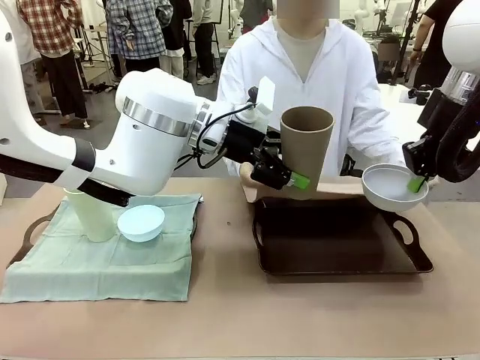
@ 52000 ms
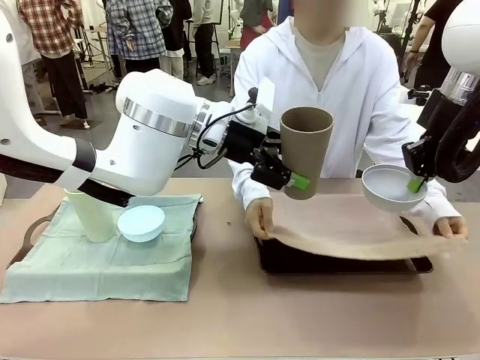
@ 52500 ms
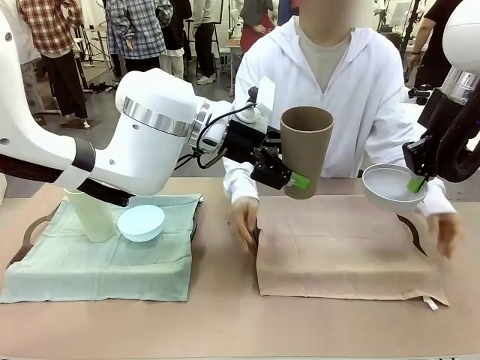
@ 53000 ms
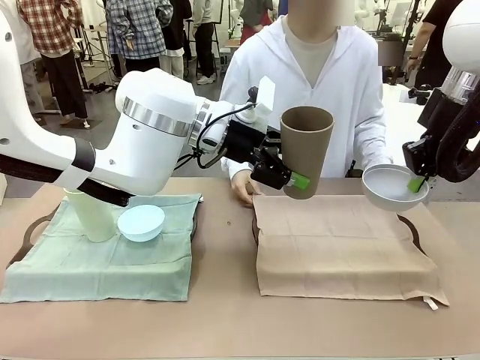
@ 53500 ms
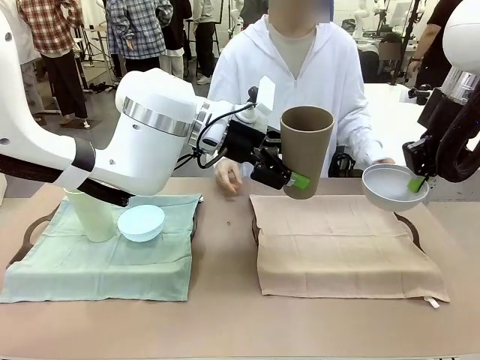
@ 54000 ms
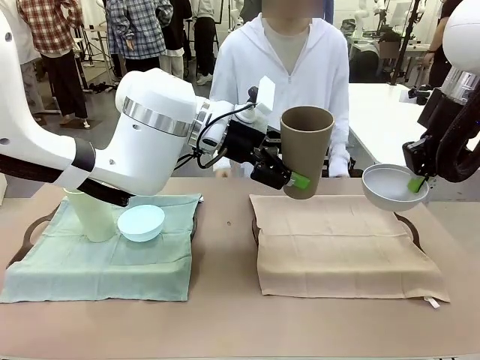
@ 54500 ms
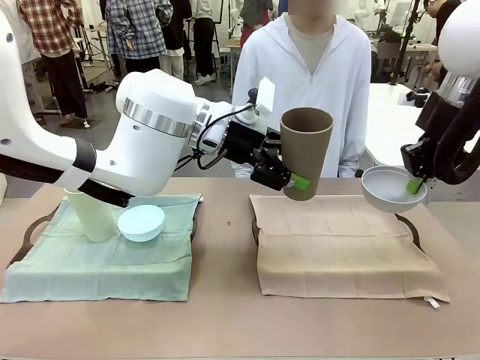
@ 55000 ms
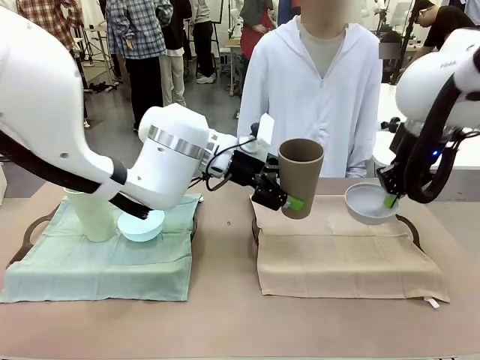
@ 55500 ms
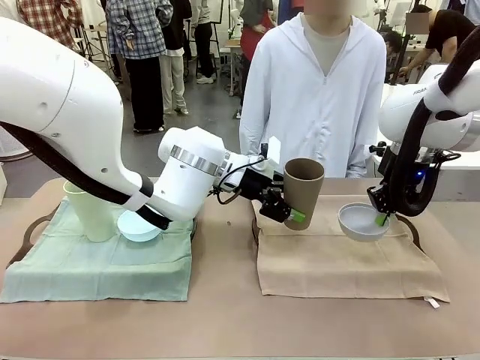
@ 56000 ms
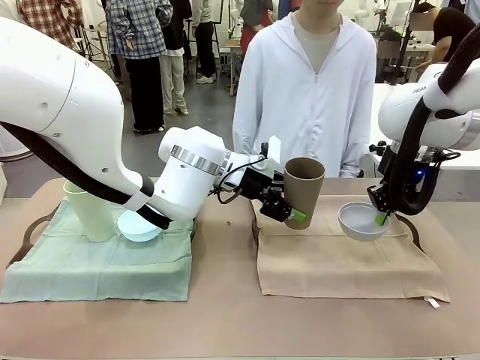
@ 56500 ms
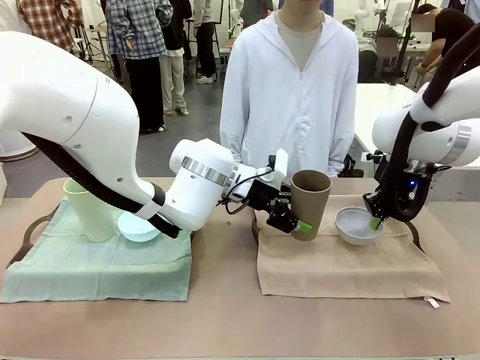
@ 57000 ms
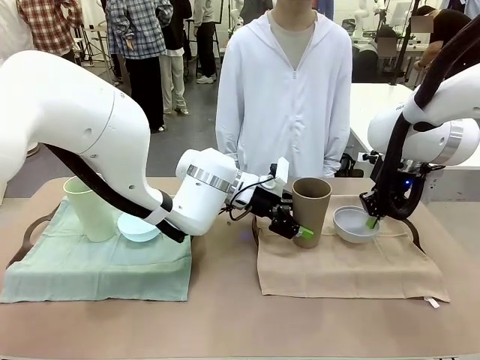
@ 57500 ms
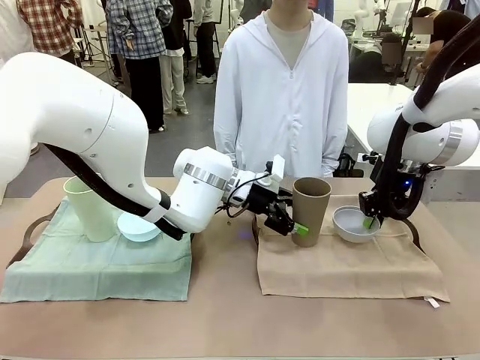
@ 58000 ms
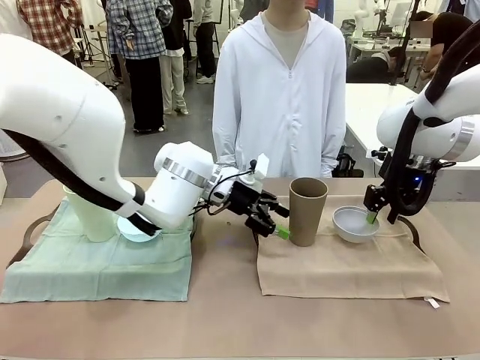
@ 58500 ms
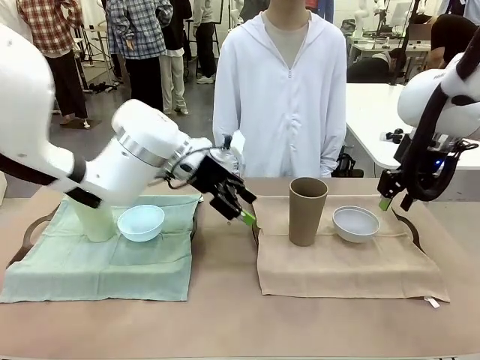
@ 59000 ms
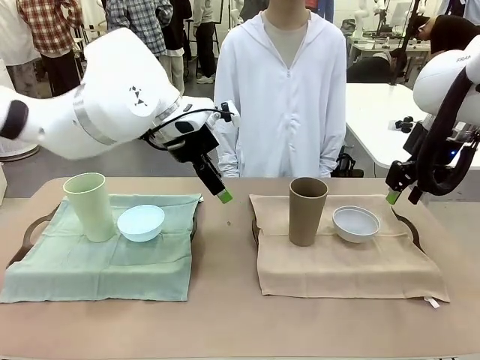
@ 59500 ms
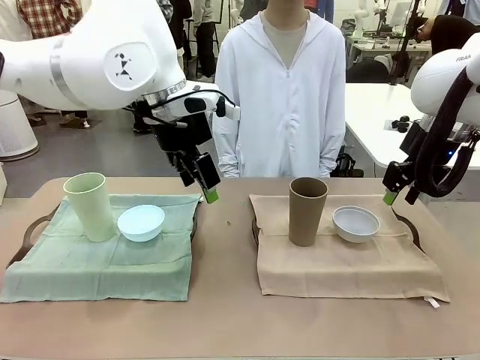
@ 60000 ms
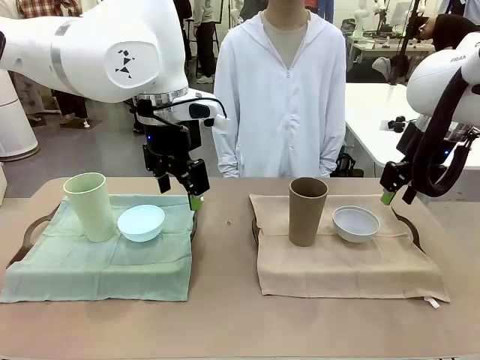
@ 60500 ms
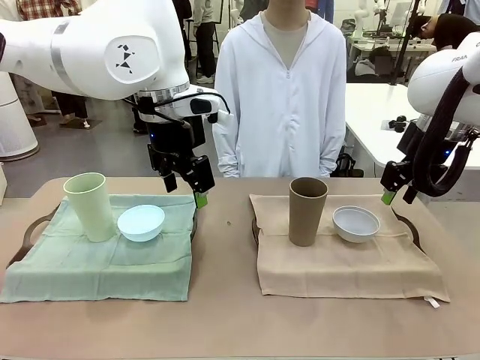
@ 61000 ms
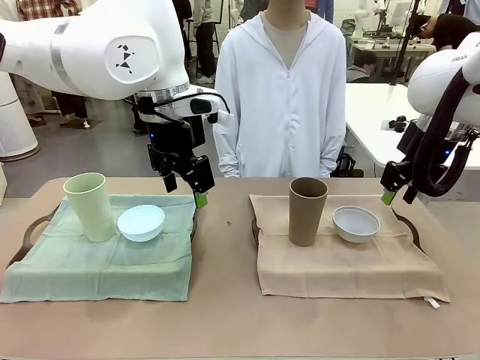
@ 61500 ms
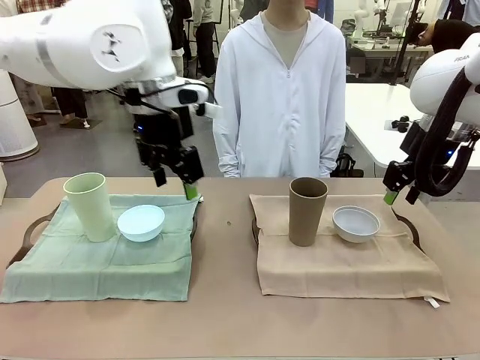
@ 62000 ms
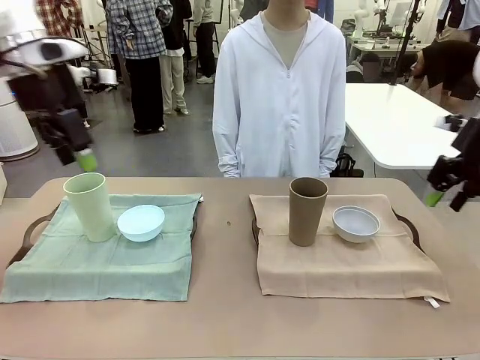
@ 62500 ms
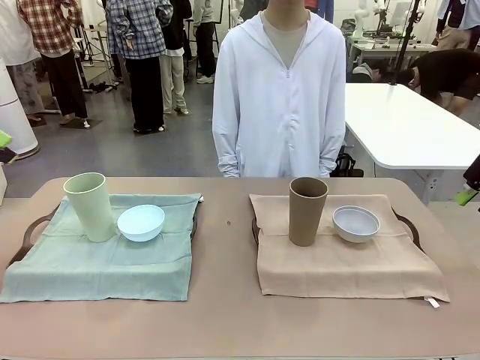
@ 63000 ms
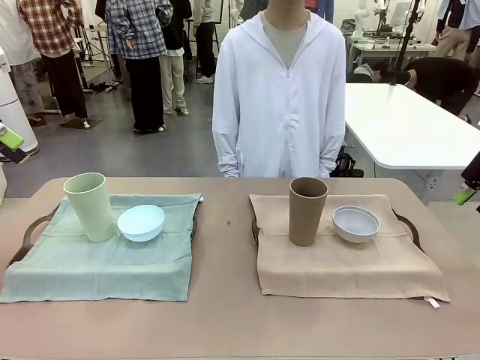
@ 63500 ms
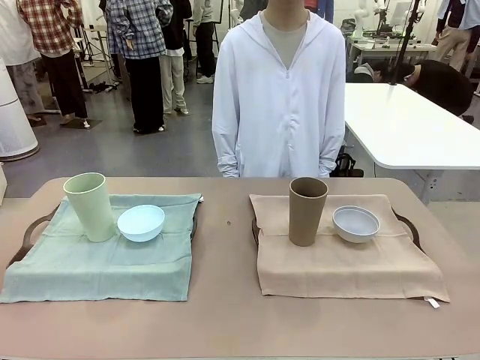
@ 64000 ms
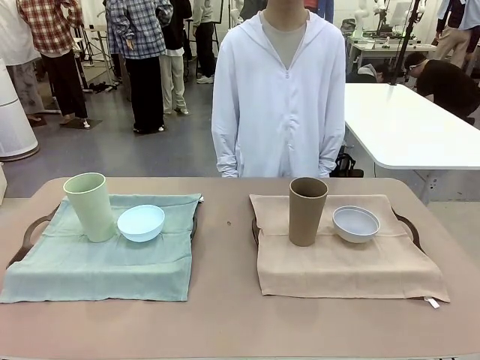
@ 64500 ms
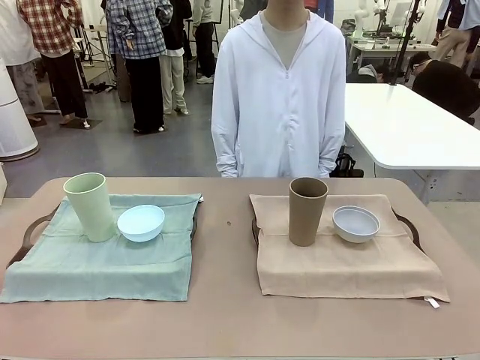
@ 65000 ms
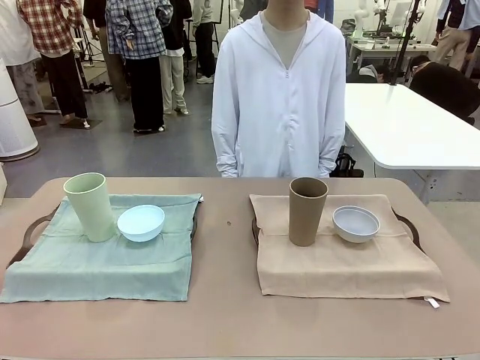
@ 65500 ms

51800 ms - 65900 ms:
Robot: Place the Picnic Bowl and Reusable plastic cup back onto the Handle tray in front of the human's position.
Person: When the robot lifts the bowl and the cup, the human unfolds the napkin and lays the napkin flat on the tray.

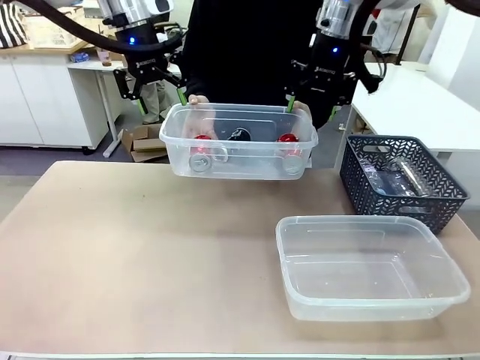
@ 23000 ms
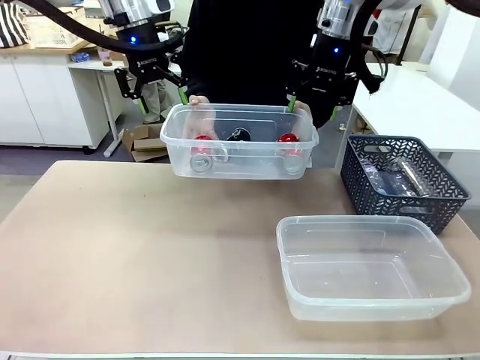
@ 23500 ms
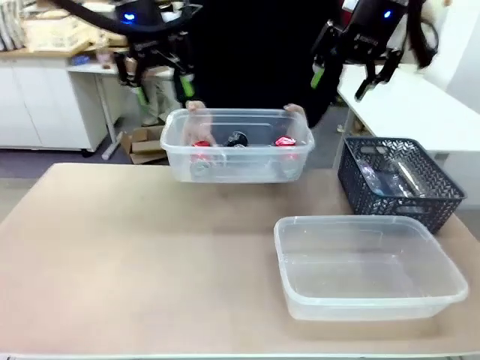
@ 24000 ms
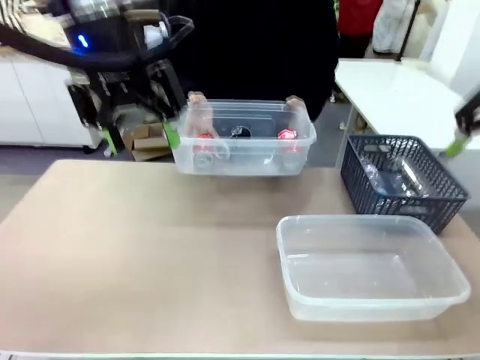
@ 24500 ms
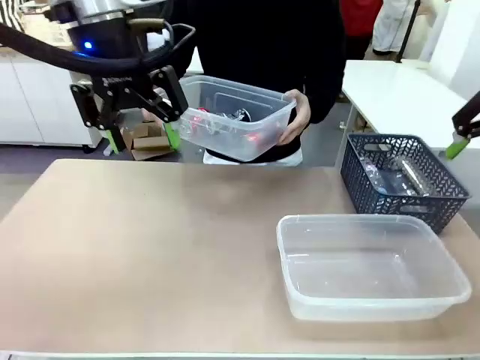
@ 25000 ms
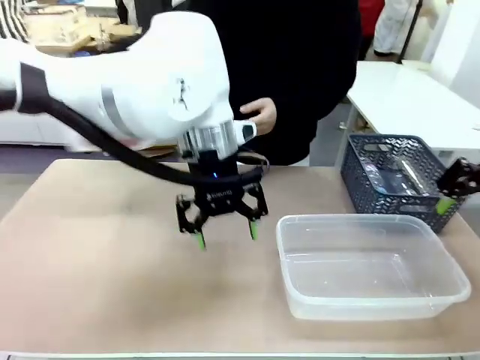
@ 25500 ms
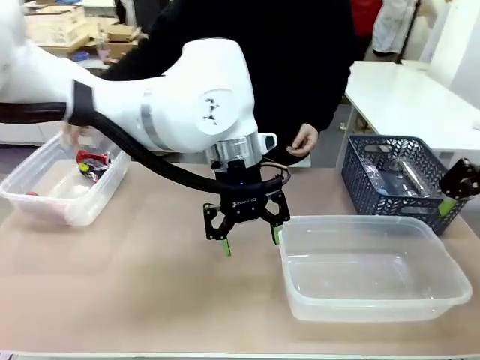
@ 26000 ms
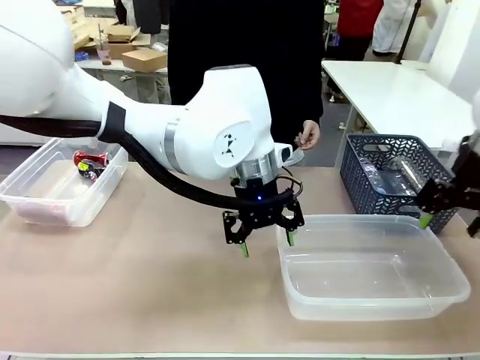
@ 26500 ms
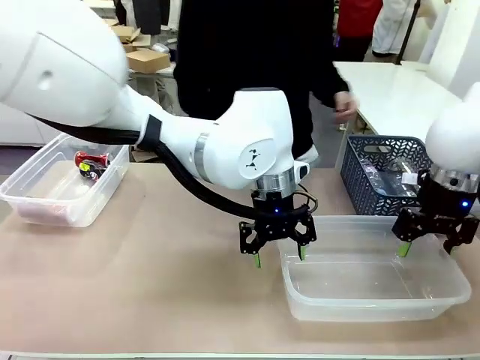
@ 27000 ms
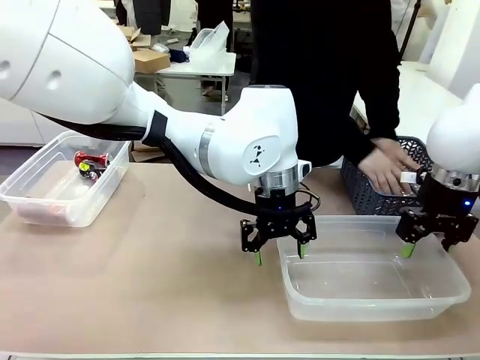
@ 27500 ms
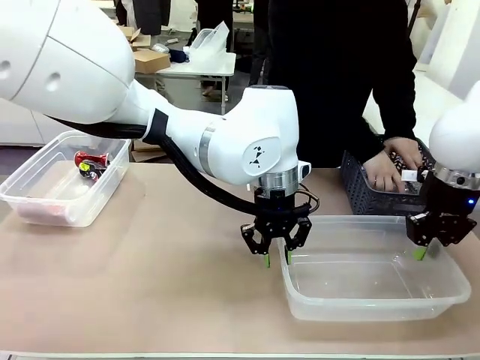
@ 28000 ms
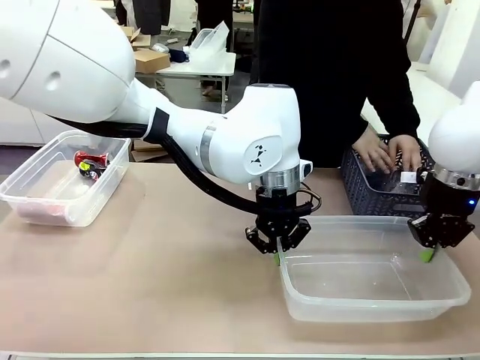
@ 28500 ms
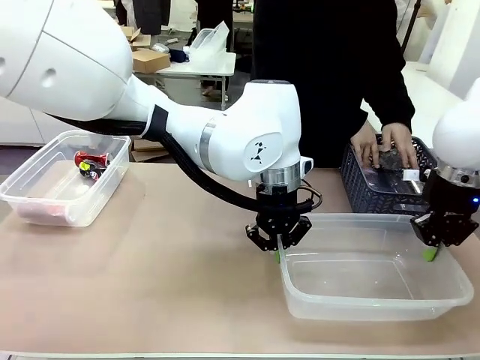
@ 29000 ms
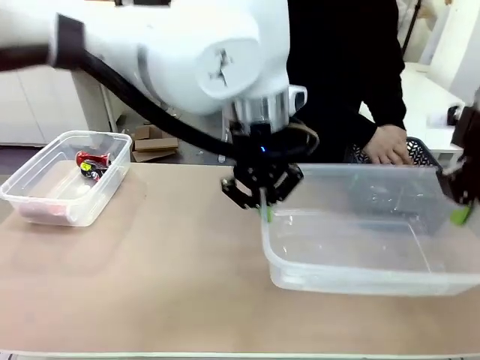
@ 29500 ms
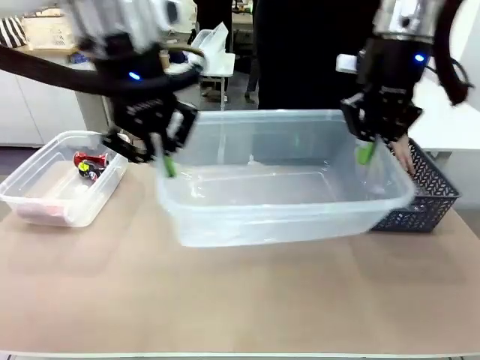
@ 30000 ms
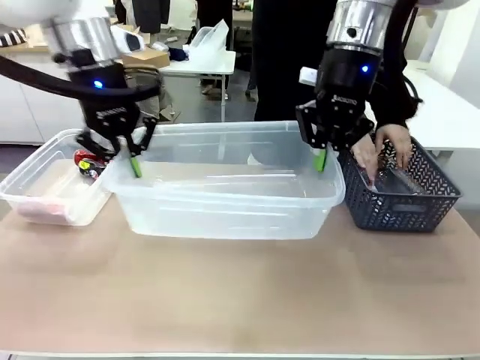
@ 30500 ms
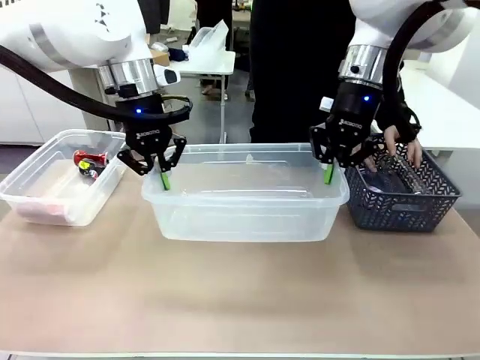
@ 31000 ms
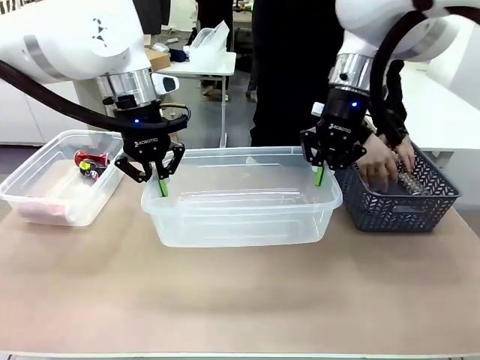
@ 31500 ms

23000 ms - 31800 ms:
Robot: Pick up the Organizing box on the right side of the table and lift it.
Person: Place it at the edge of the bottom right area of the robot table.

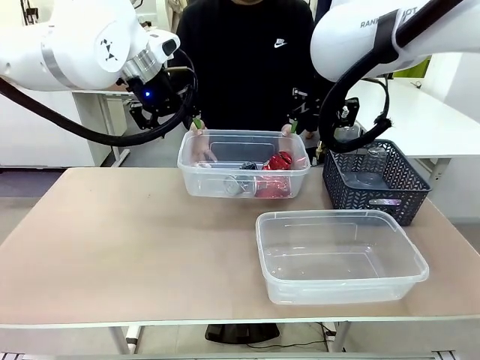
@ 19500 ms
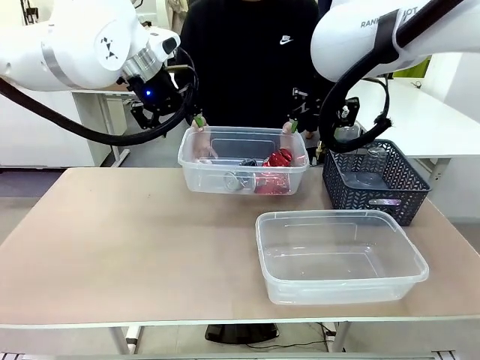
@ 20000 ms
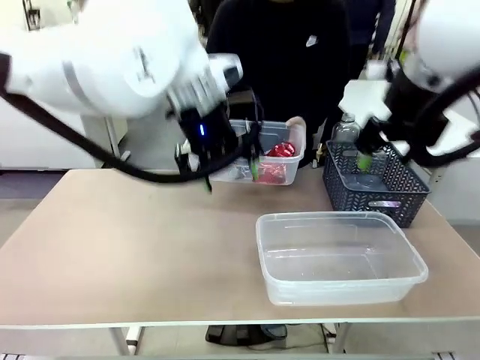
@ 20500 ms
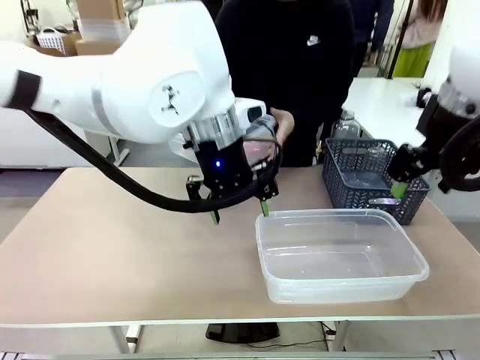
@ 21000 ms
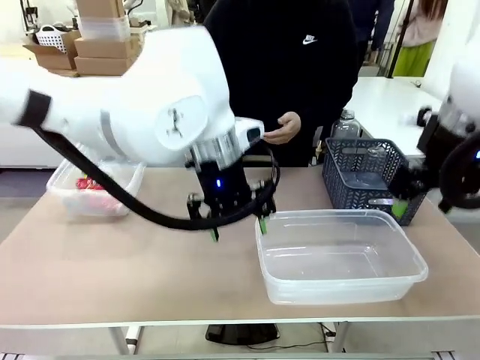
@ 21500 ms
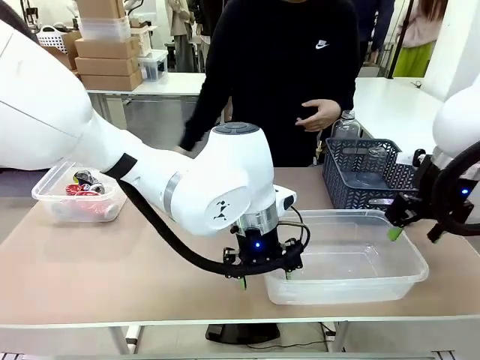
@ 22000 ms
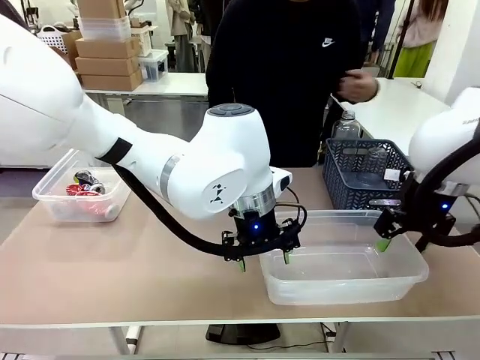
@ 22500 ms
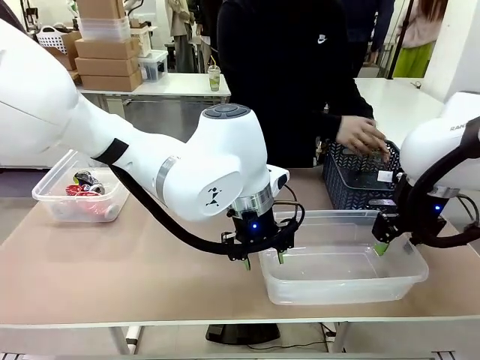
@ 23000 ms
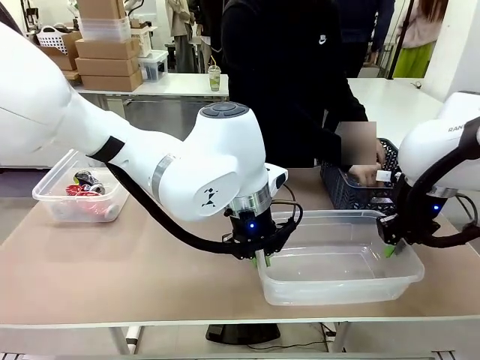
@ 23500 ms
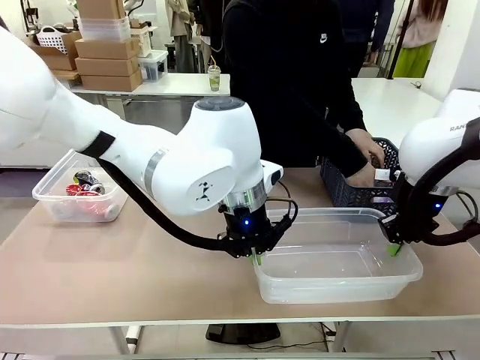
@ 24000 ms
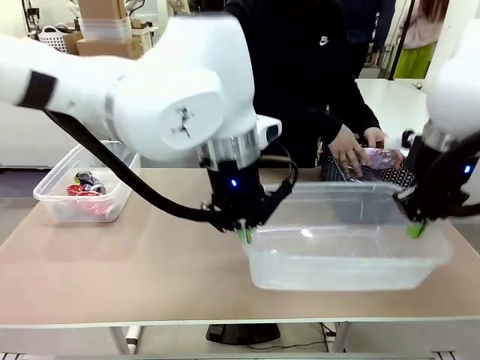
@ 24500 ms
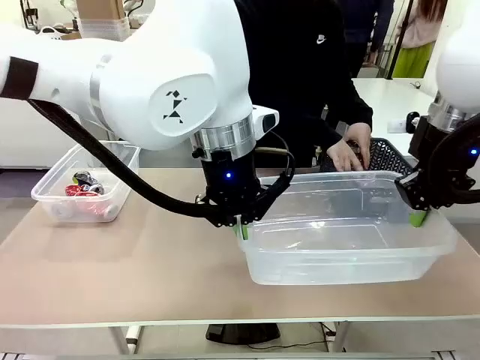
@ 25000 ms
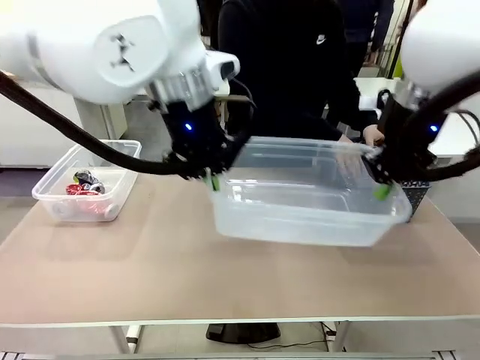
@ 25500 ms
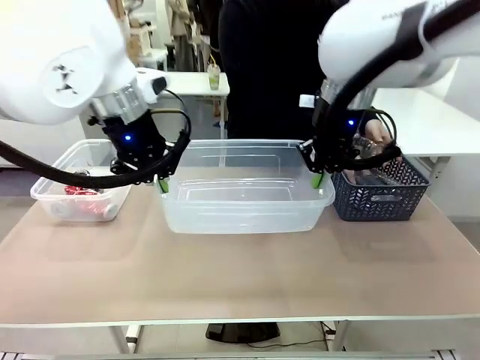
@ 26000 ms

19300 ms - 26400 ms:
Robot: Pick up the Organizing box on the right side of the table and lift it.
Person: Place it at the edge of the bottom right area of the robot table. Pick up plastic waste one by one and place it into the organizing box lifted by the robot.
